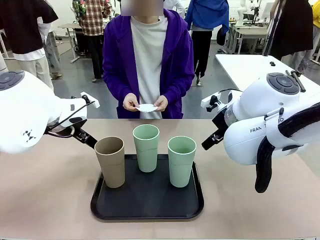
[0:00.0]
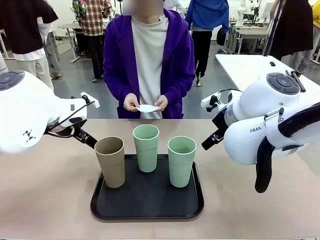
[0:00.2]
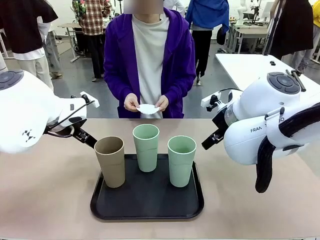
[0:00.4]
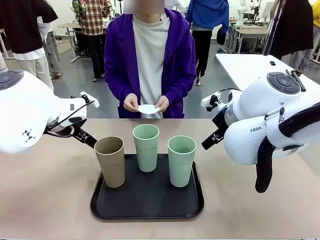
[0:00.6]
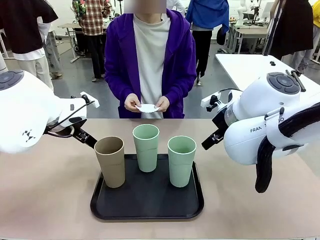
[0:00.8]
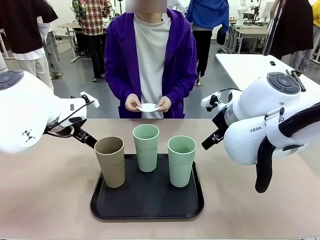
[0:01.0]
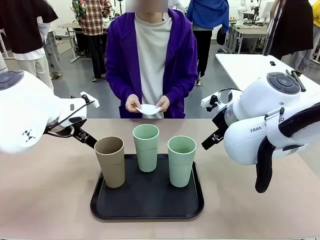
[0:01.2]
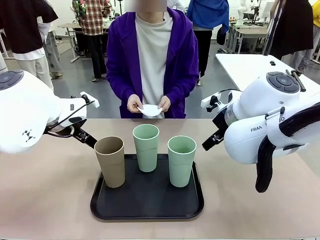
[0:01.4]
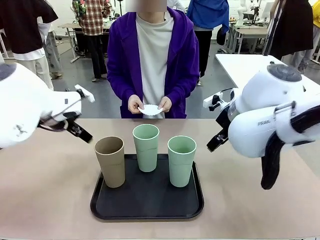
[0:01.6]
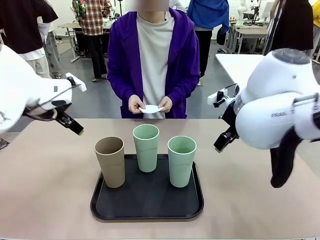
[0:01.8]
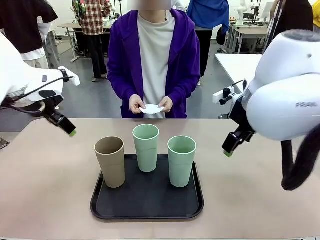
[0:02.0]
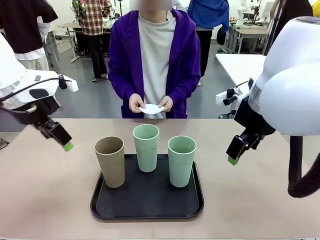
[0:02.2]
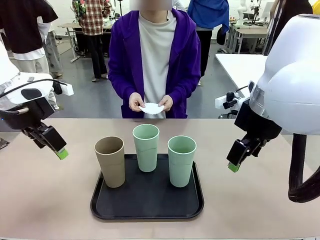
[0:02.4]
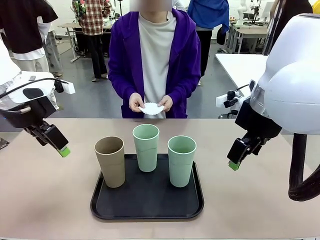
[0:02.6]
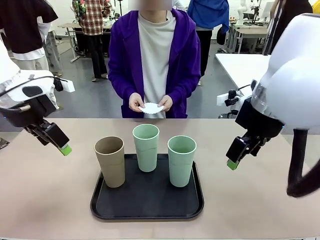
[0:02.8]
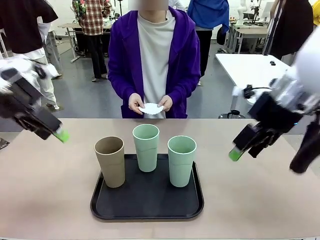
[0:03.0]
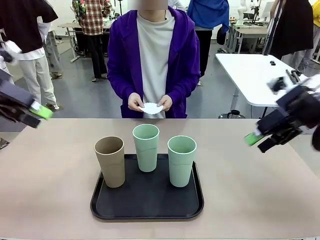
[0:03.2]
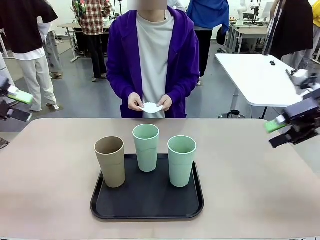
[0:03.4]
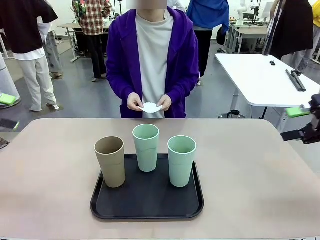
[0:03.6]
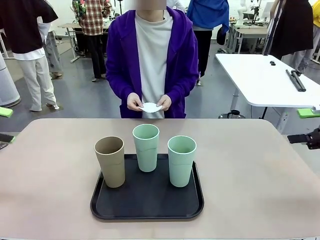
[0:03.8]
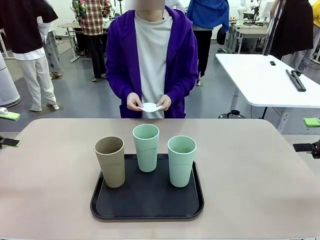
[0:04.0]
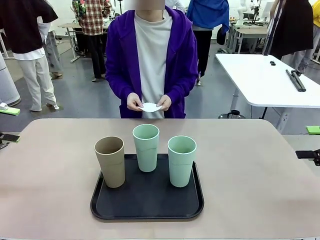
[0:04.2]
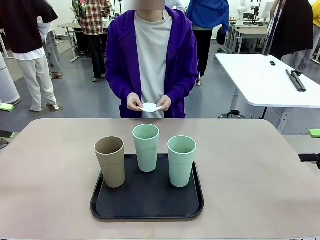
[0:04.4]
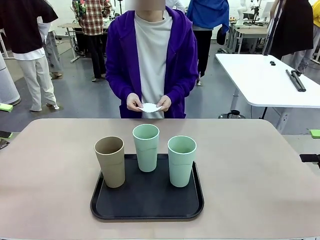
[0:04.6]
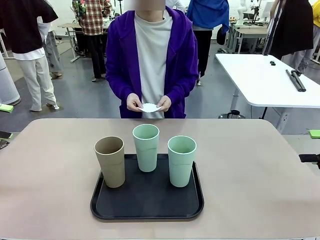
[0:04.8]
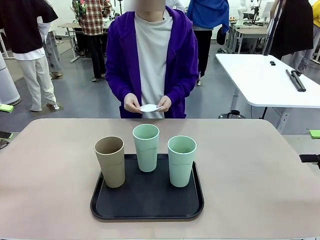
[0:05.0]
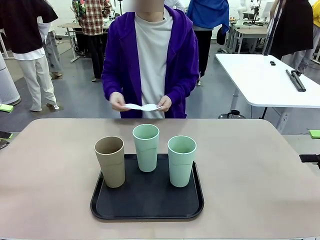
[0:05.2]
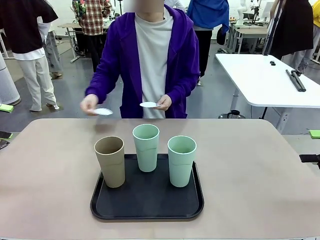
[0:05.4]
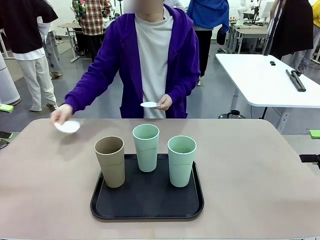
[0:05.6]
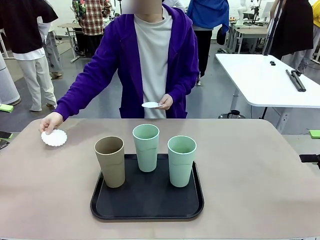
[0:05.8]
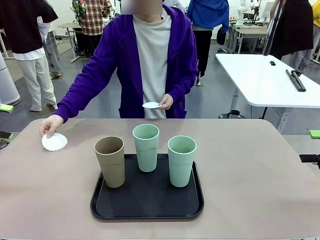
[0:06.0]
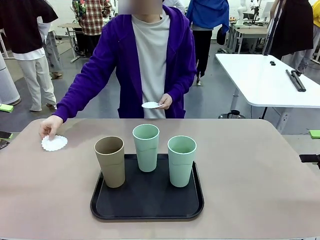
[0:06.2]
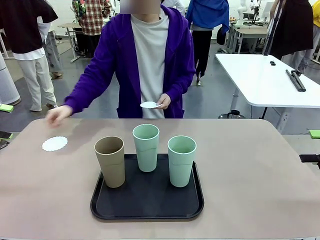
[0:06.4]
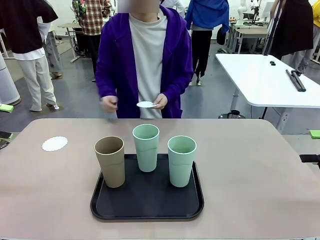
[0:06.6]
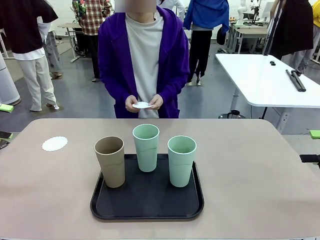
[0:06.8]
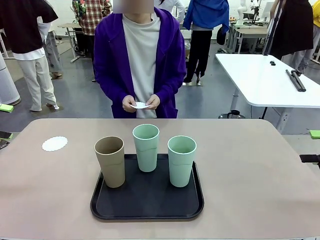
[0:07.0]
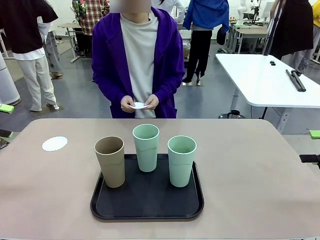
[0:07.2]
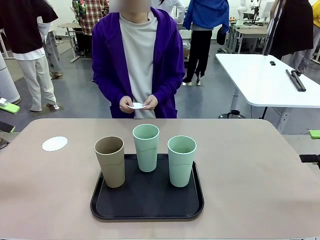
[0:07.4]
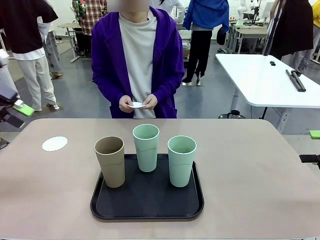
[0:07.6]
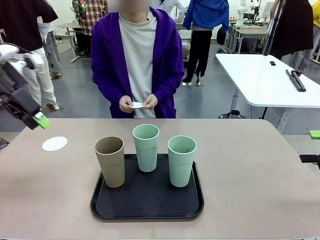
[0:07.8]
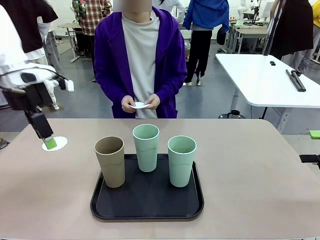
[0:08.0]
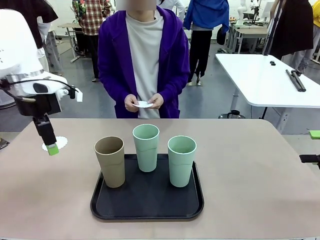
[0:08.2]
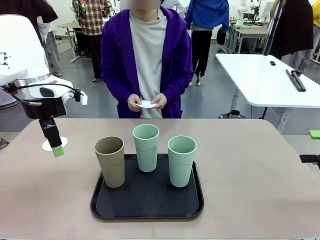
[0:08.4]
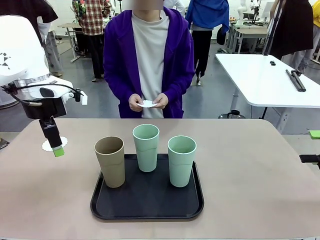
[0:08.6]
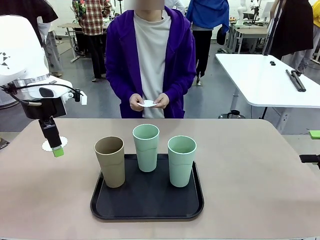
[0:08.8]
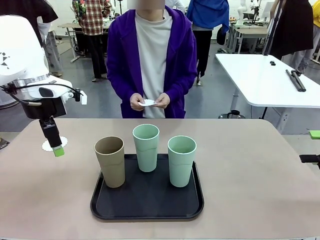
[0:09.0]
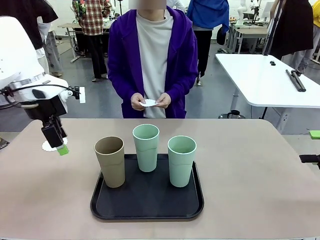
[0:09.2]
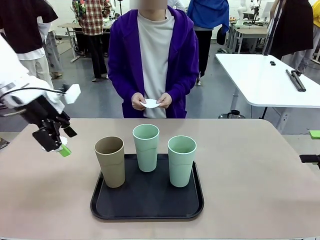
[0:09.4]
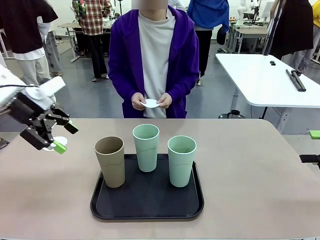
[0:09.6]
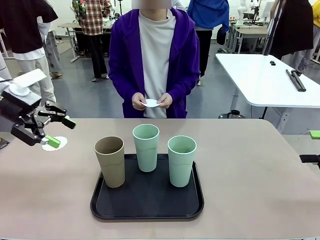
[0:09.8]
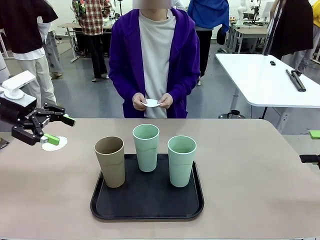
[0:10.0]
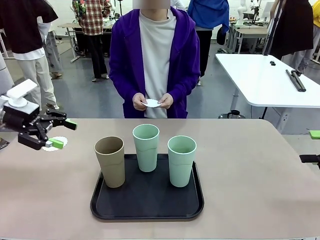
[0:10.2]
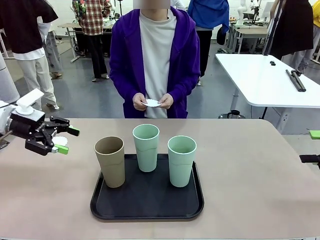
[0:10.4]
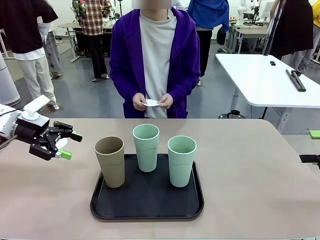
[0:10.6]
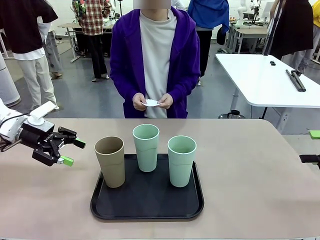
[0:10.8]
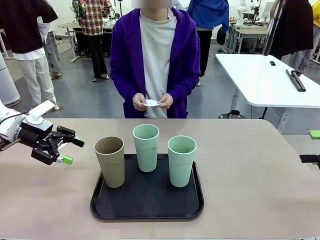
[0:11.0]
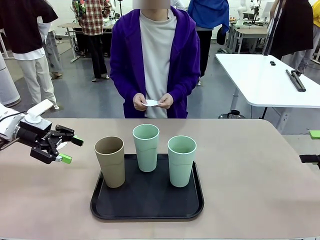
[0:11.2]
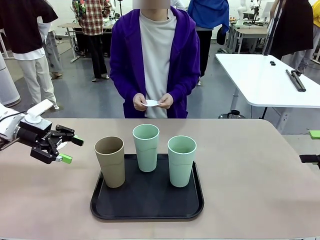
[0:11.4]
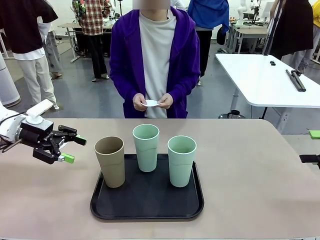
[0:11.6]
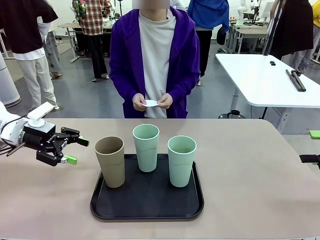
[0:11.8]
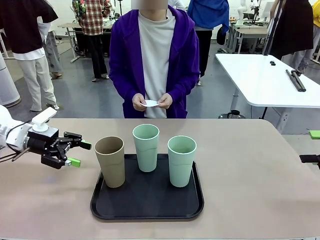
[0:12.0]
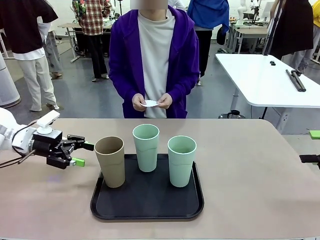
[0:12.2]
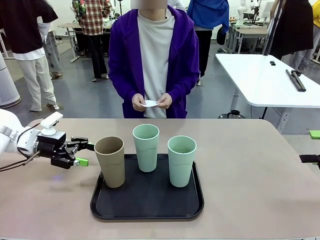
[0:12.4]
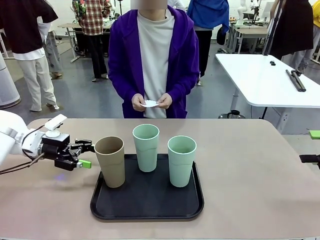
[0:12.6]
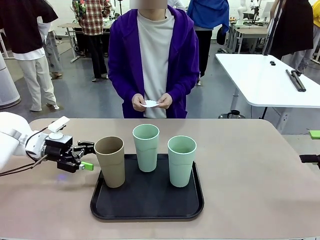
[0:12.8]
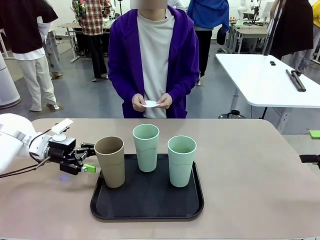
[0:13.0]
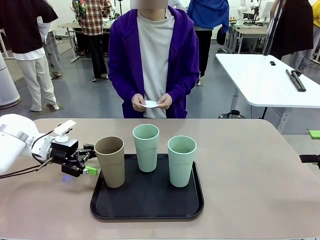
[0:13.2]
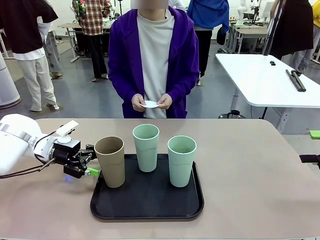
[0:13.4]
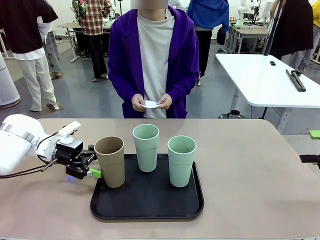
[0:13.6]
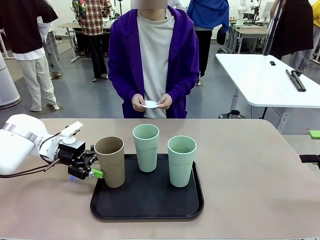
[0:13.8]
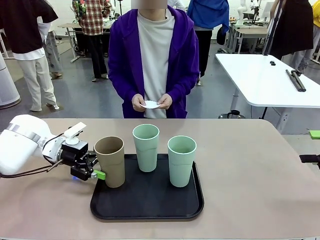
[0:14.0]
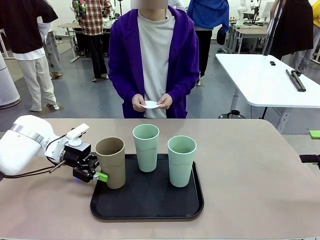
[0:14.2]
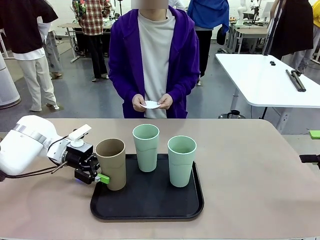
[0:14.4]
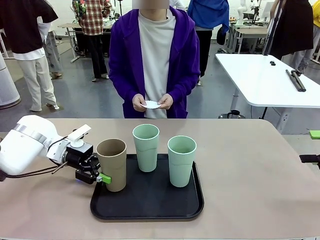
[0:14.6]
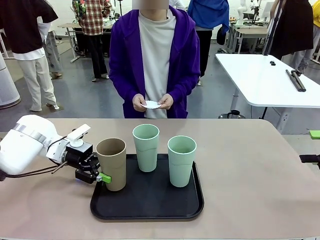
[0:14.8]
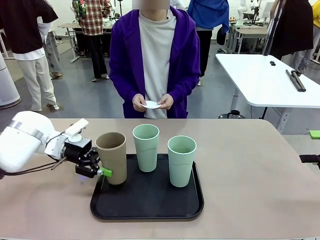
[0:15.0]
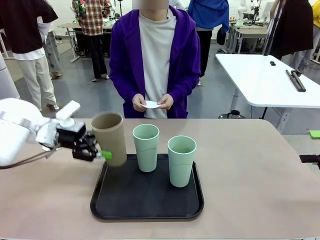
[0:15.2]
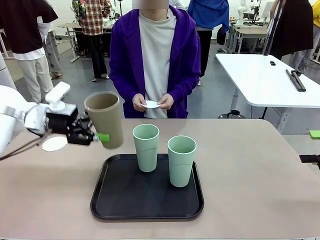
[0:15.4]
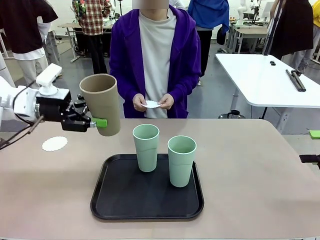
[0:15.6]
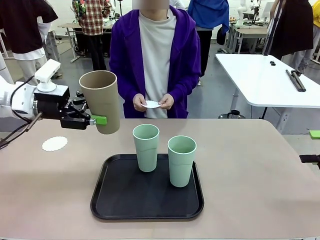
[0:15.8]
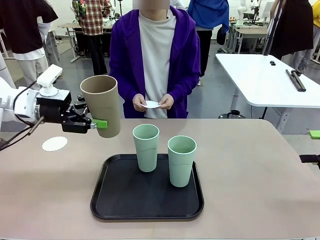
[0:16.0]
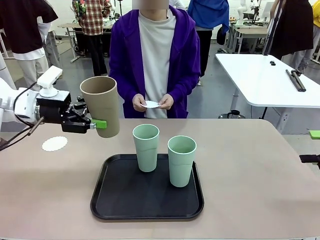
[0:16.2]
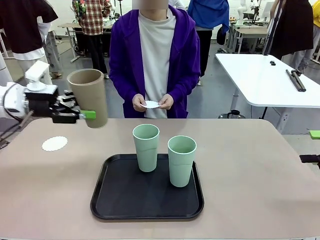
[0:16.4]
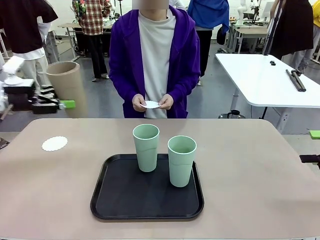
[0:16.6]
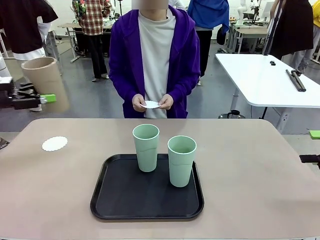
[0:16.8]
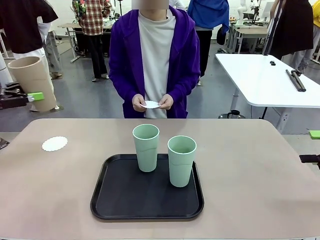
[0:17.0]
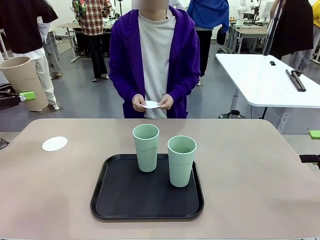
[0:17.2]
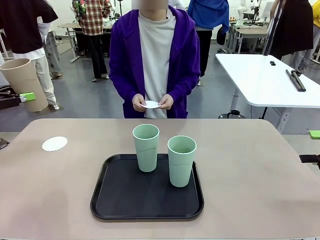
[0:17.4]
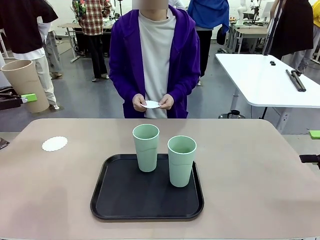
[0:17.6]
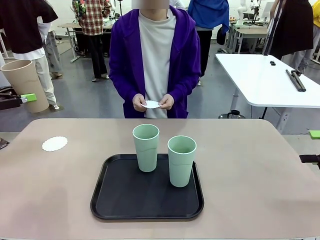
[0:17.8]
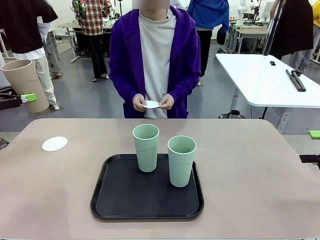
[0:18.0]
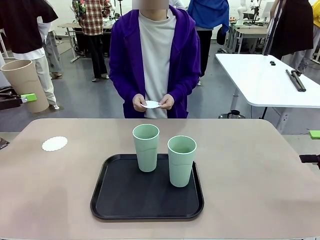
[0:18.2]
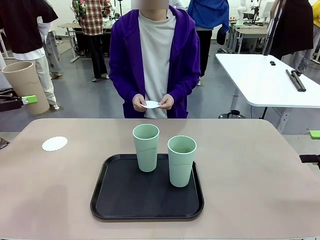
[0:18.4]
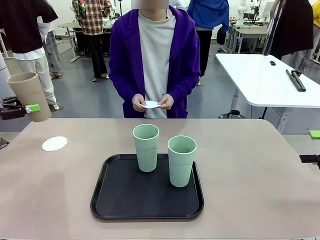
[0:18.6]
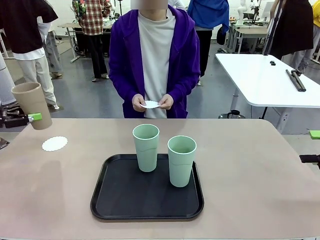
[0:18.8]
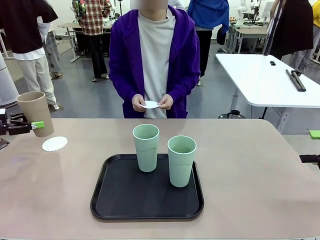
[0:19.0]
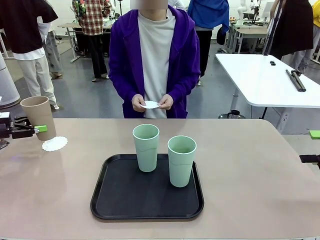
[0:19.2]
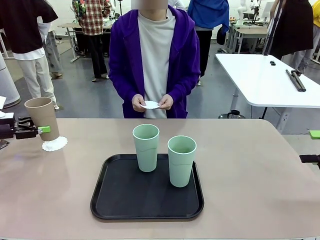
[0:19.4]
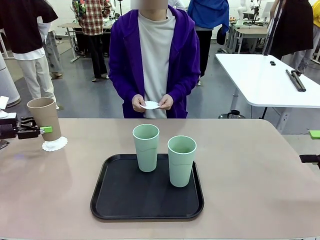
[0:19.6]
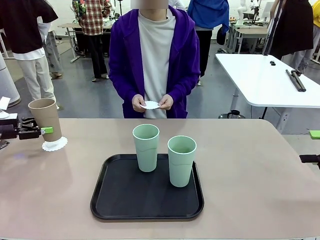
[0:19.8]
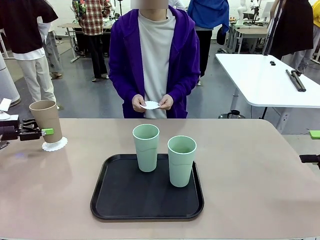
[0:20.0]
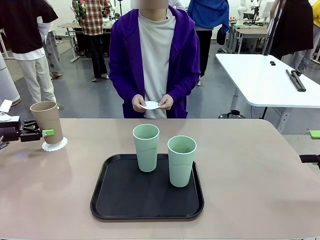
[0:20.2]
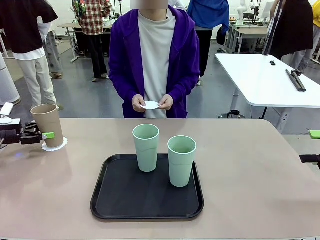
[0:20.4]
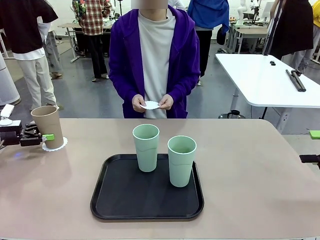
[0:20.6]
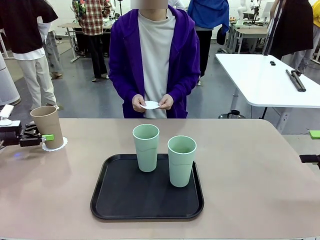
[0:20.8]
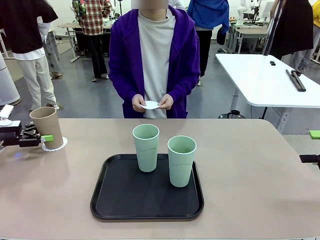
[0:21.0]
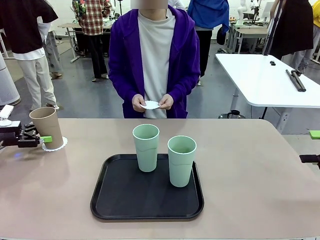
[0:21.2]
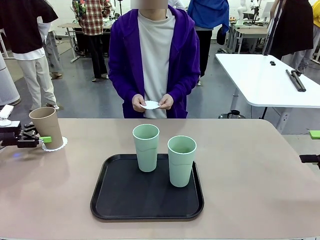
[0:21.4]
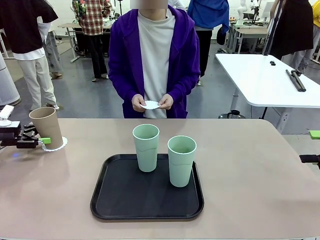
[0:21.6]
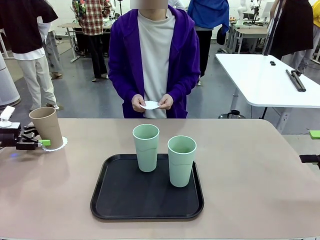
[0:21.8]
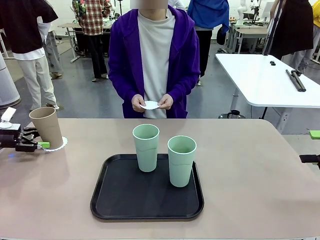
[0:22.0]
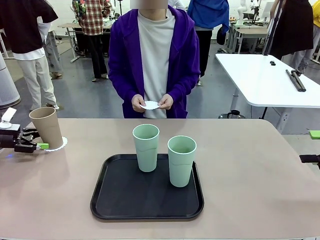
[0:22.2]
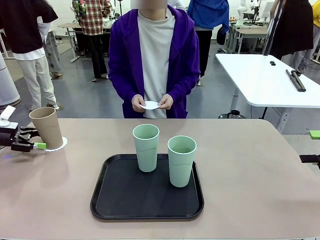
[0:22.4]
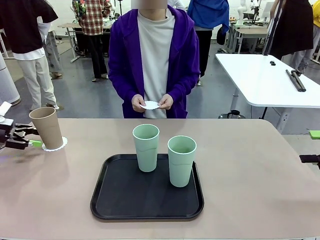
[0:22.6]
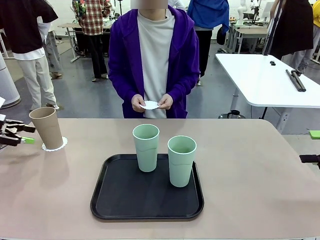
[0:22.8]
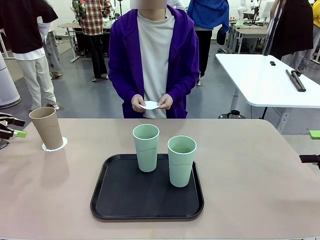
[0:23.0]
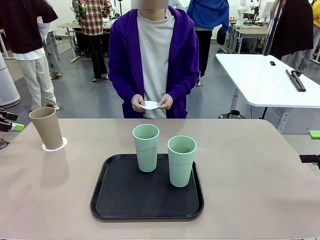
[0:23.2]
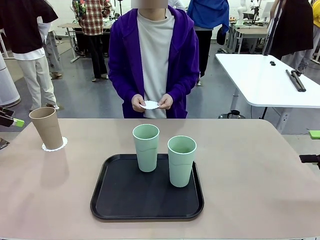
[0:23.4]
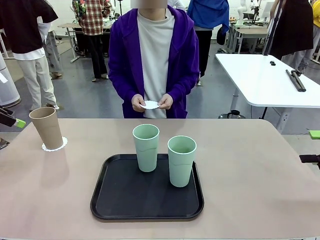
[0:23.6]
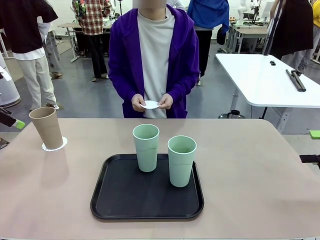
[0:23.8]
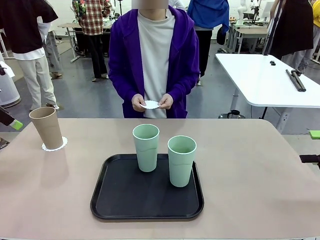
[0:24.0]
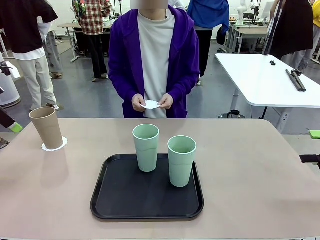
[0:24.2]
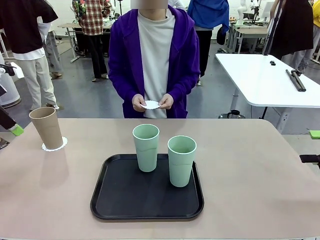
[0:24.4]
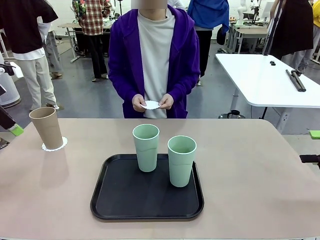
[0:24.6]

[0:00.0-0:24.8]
Task: Place coasters on the table and set cups on them.
Robot: Pick up one Reusable plastic cup and place it on a coaster set by the human.
Person: Place one coaster in any one of the three lower areas of the robot table (left, center, or right). Place one coaster in one of the two areas excluding the previously selected area.
